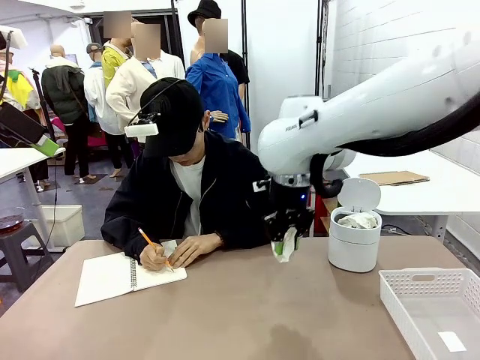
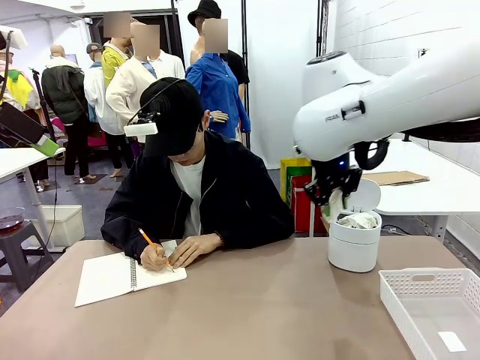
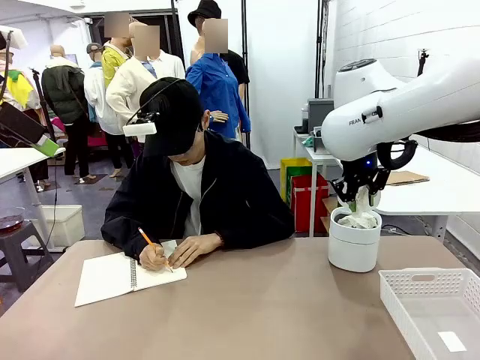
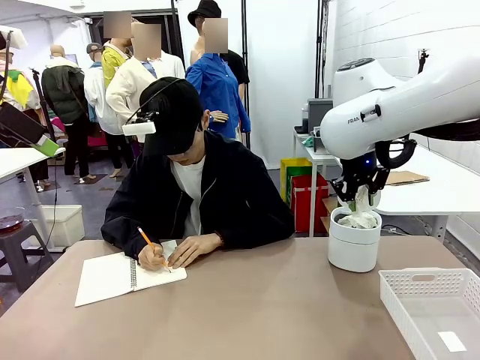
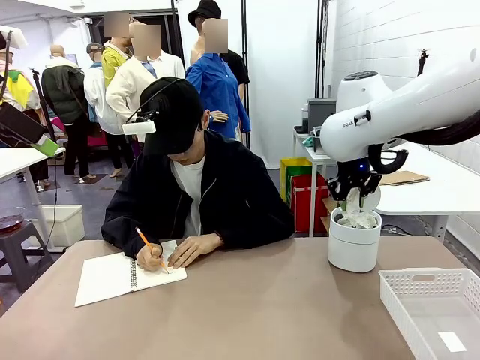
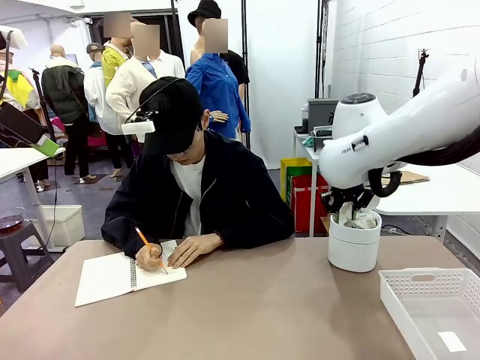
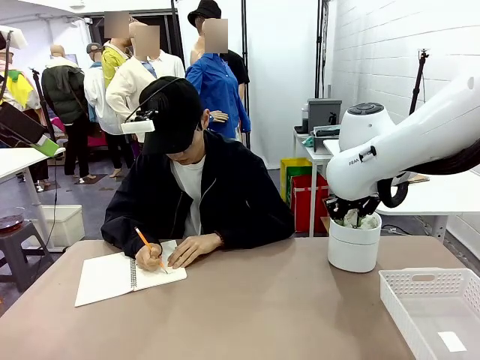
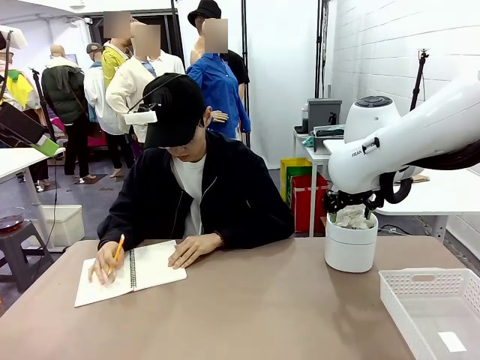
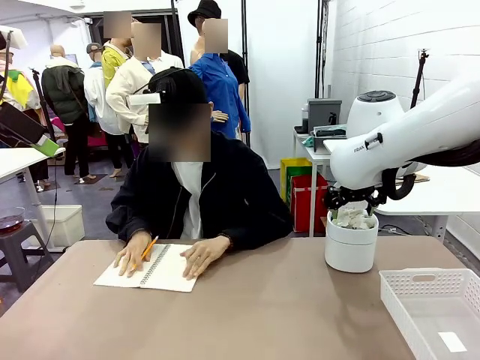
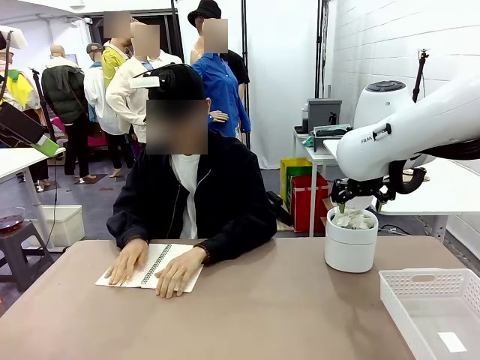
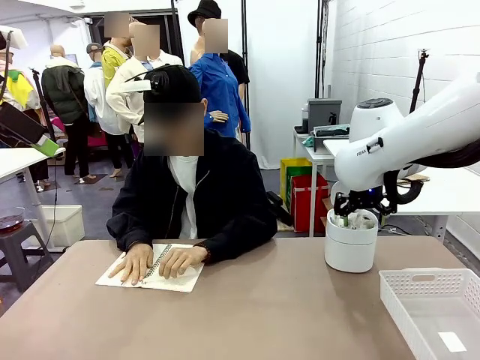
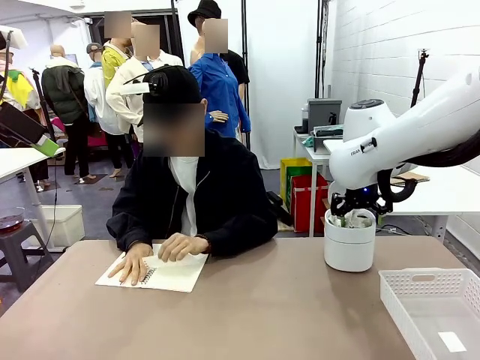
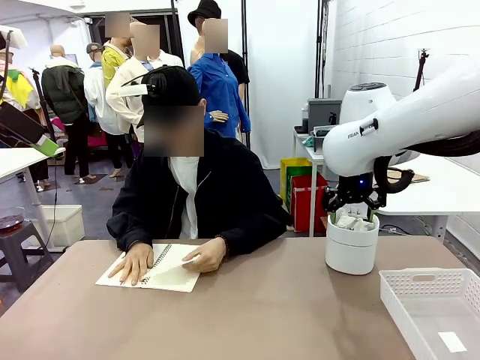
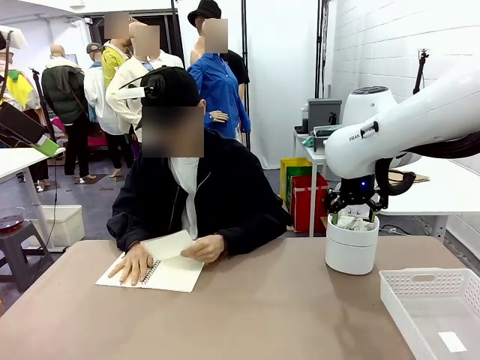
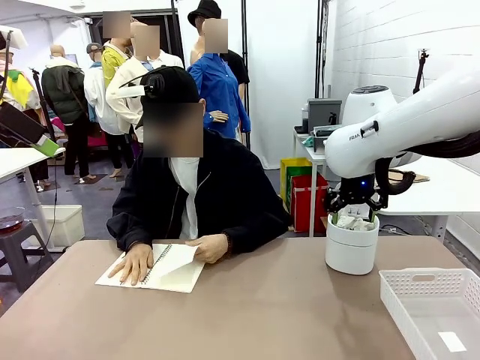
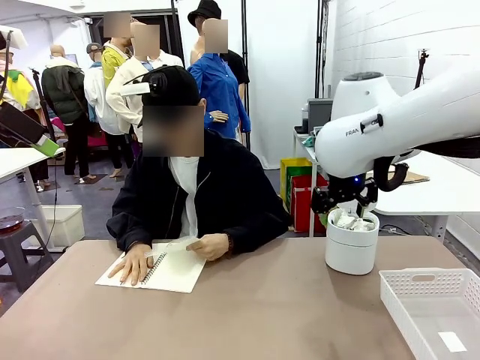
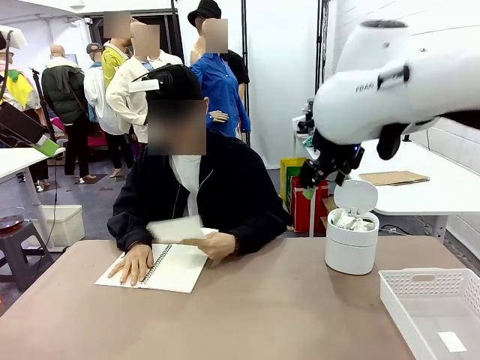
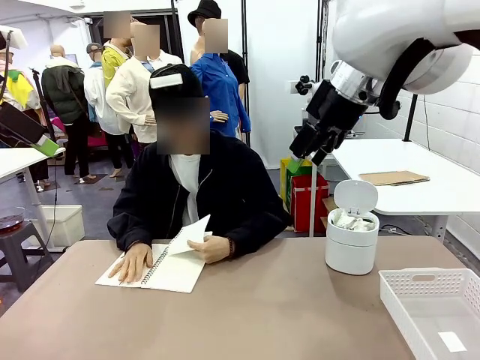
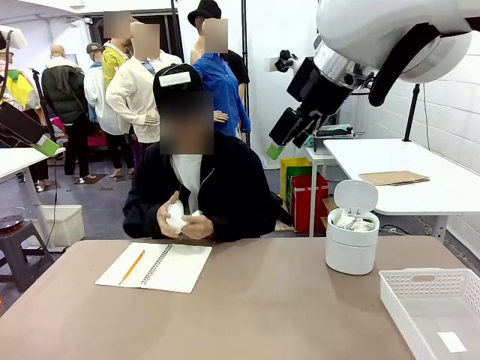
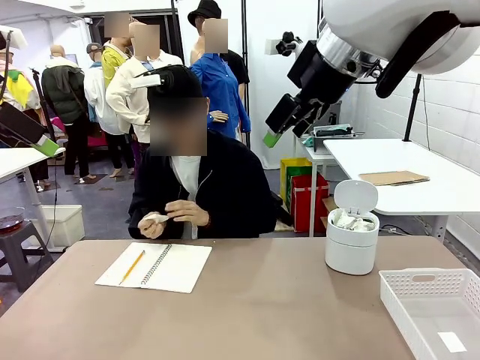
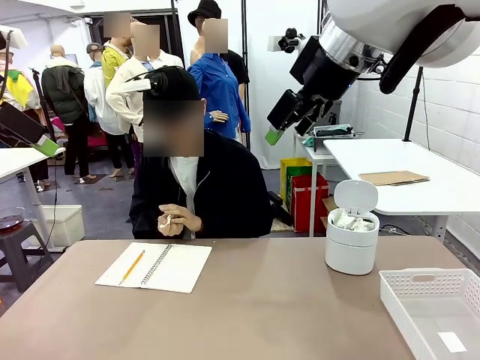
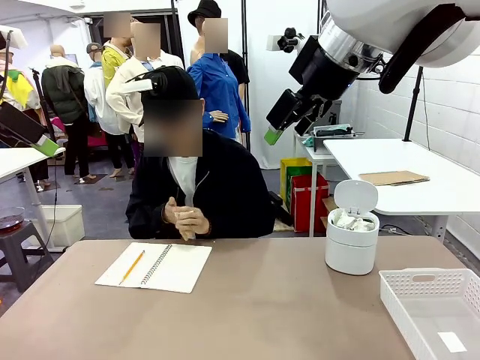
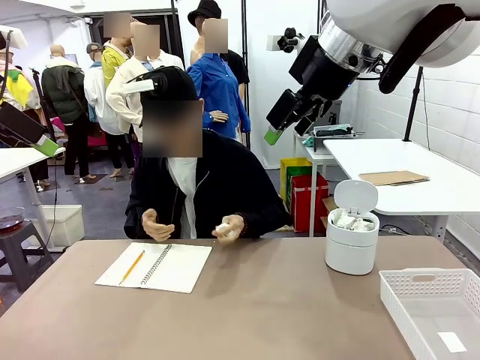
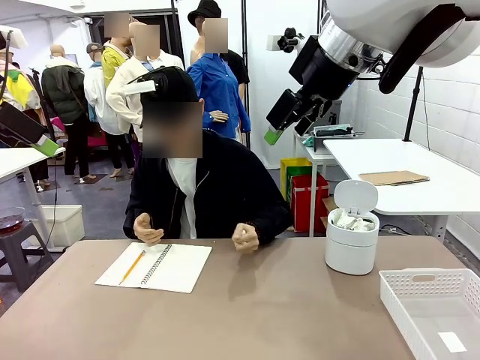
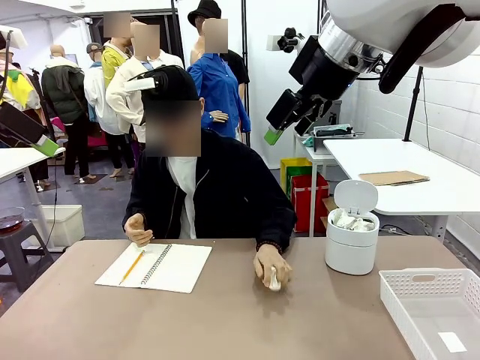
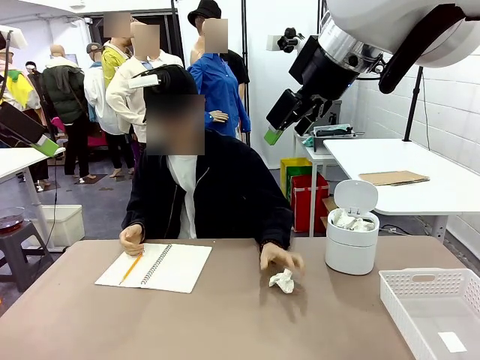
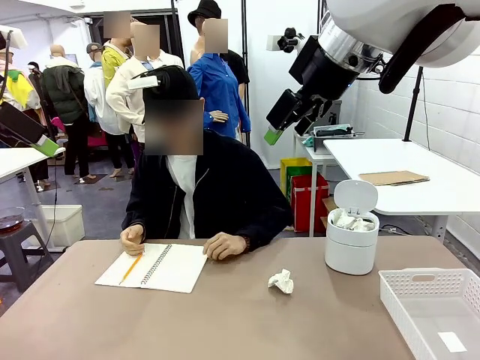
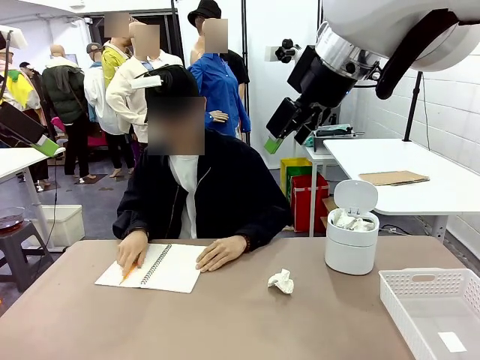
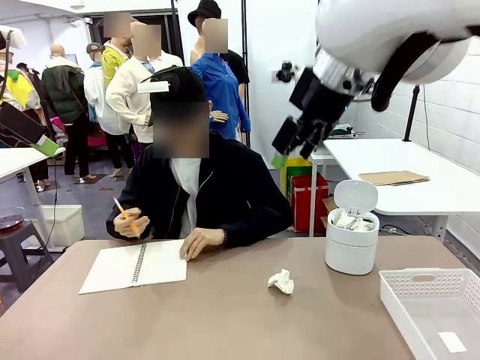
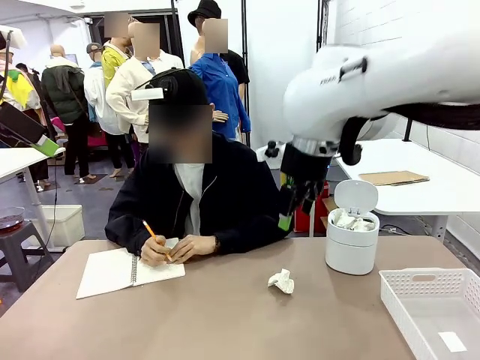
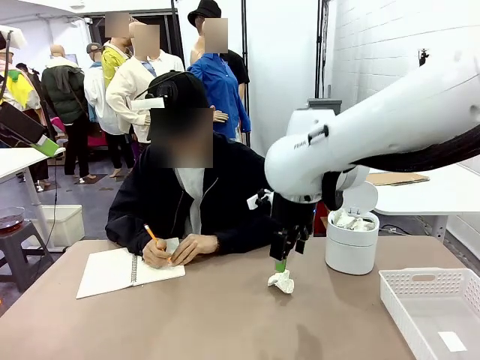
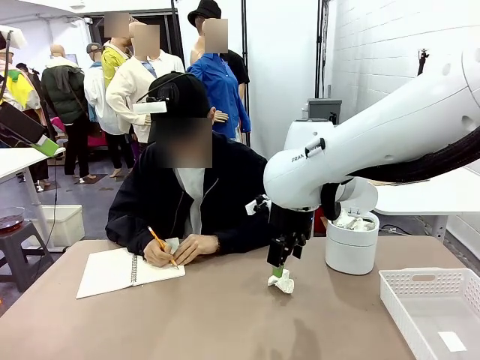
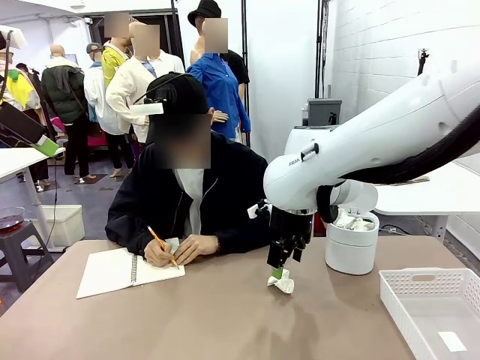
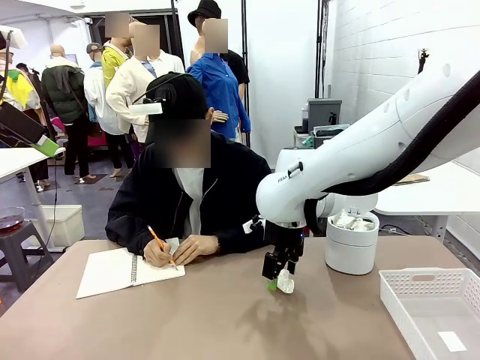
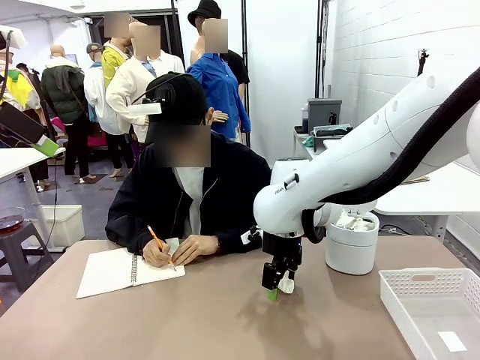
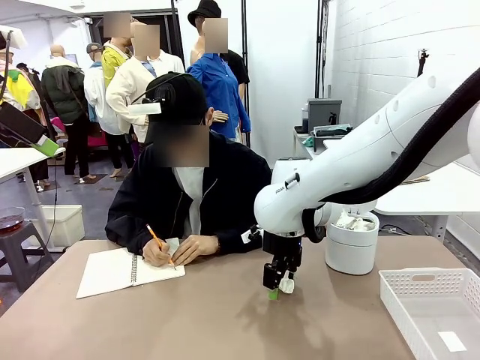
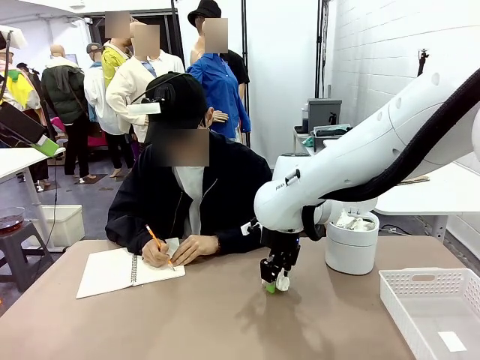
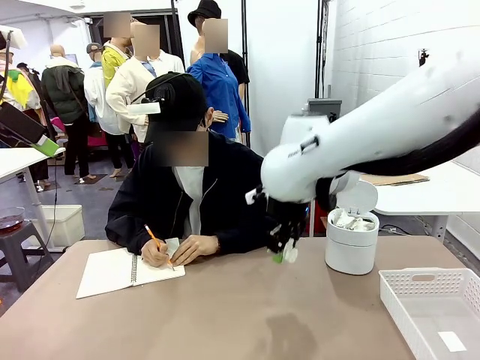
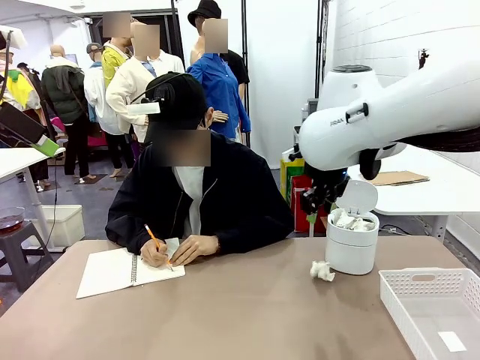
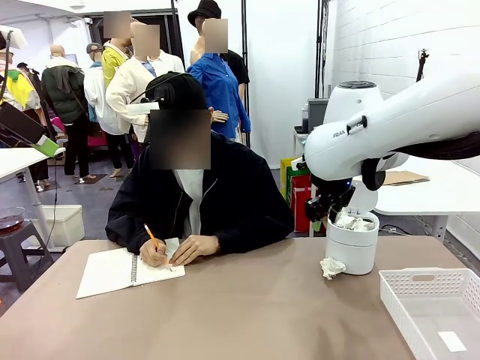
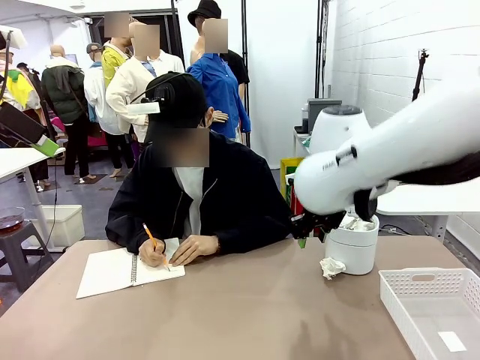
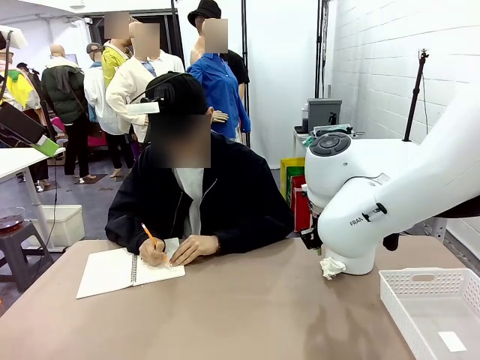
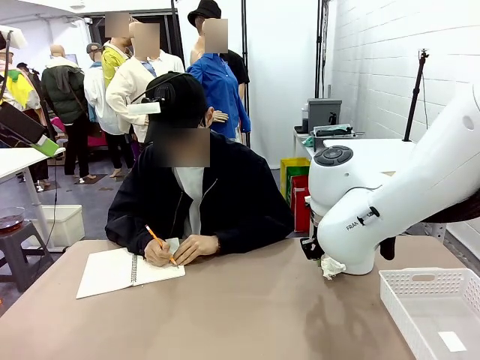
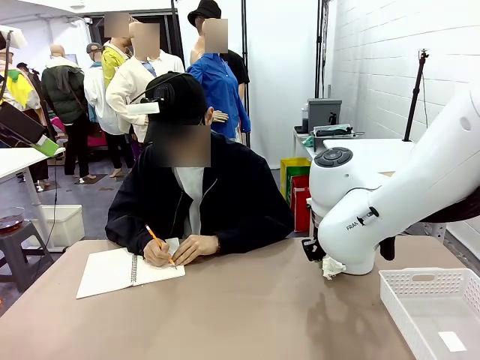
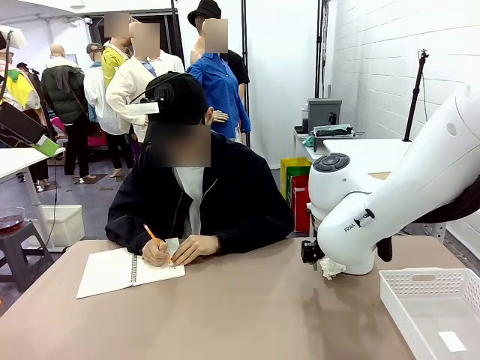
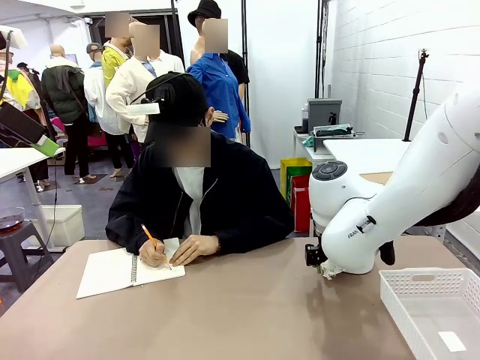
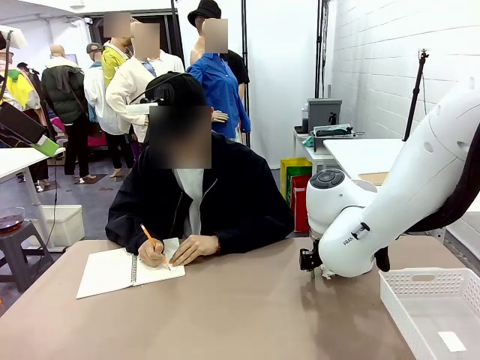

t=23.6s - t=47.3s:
Task: Sort the paper based on its condition.
Robot: If a person hands you a paper, place it in the Organizing basket , and if it's crumpled, put it in the Trash can.
Person: Tear out a page from the spiral notebook. Hand the torn page to the robot or crumple it and throw it to the center of the table. Tear out a page from the spiral notebook.

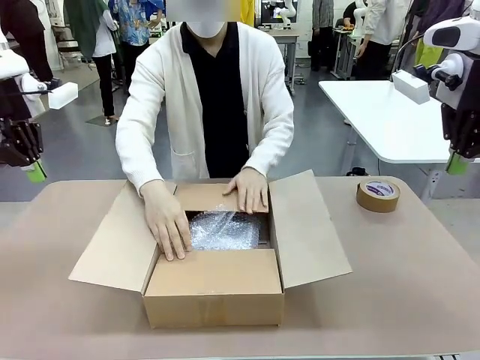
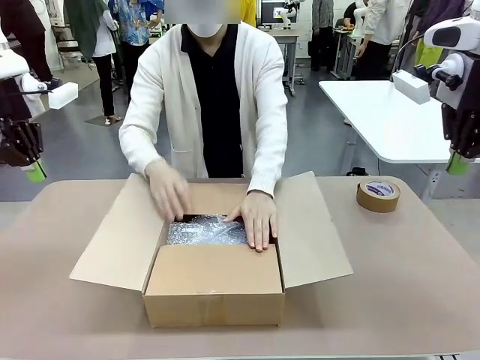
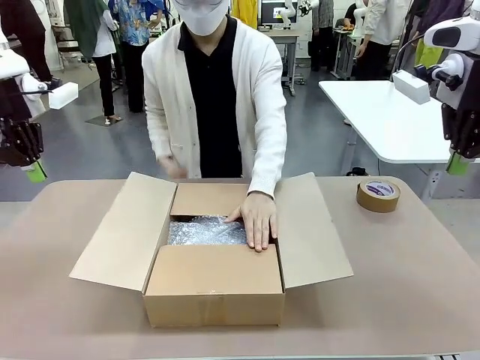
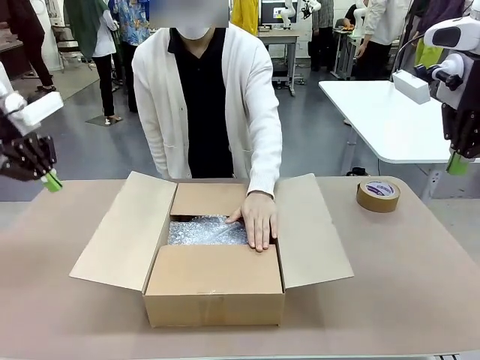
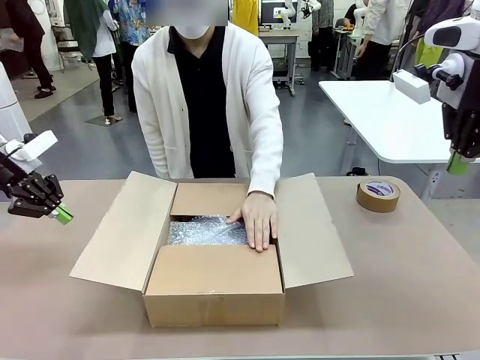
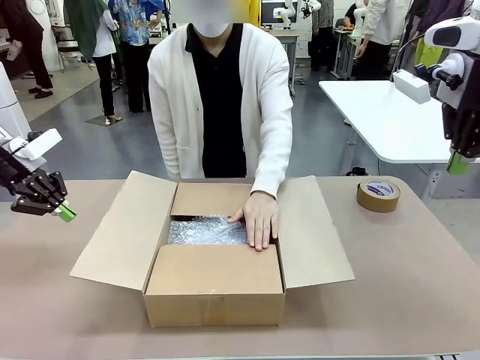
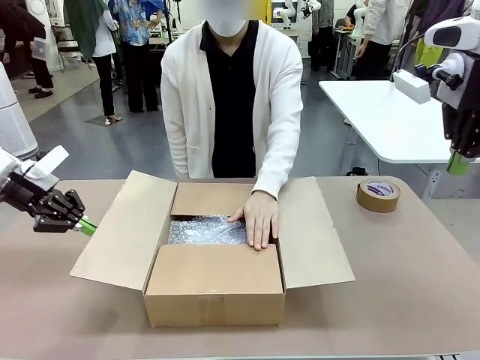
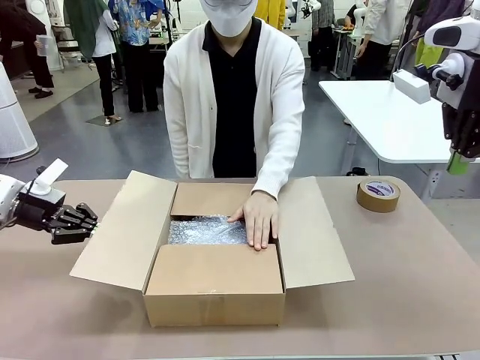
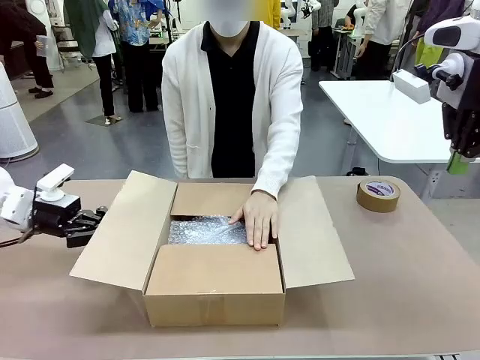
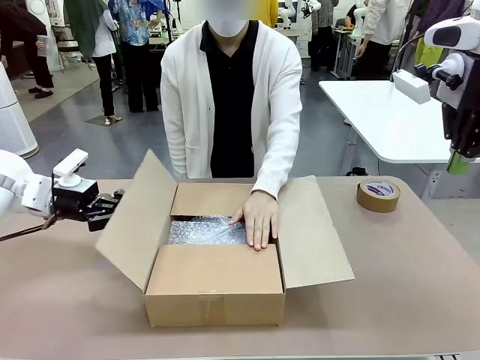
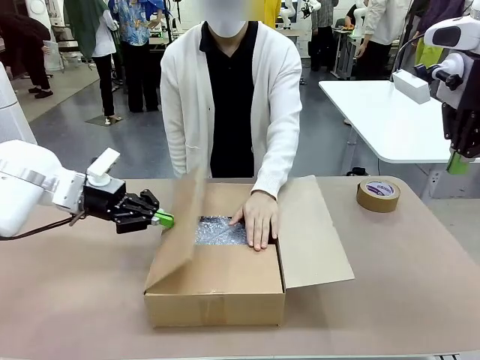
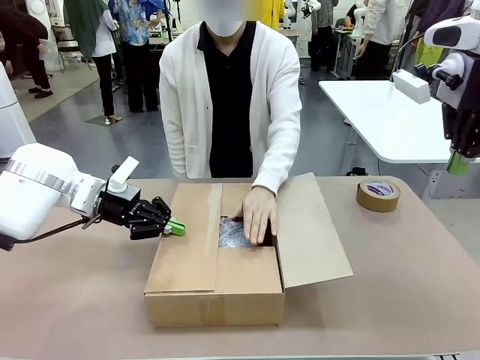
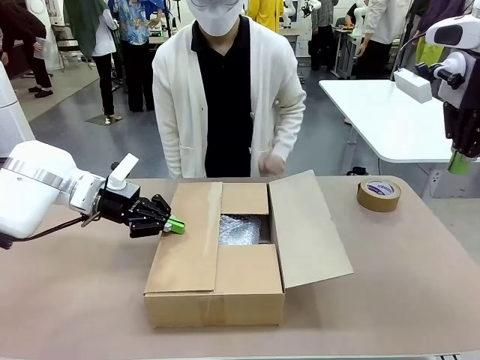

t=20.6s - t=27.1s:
Task: Wrap the clocks to prevent damage.
Robot: Push the right (or left) flap of the Package Box to close it.
Person: Once the robot closes the right flap of the Package Box , release your left hand from the box.
